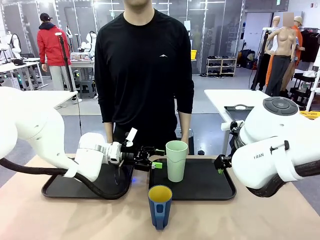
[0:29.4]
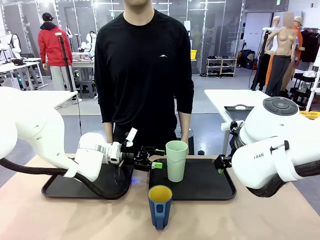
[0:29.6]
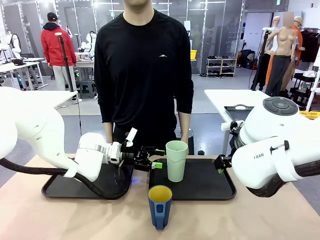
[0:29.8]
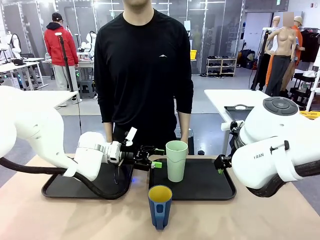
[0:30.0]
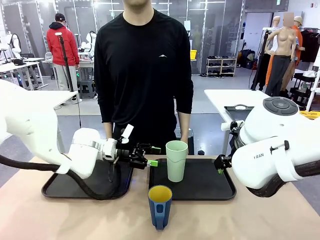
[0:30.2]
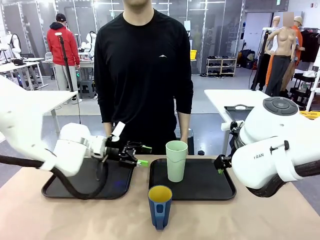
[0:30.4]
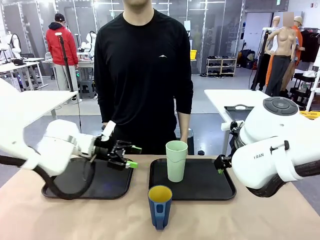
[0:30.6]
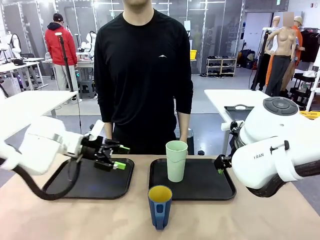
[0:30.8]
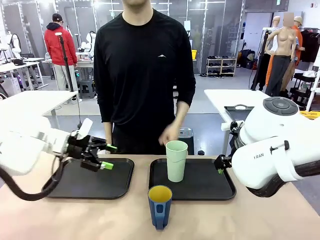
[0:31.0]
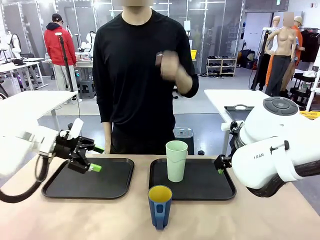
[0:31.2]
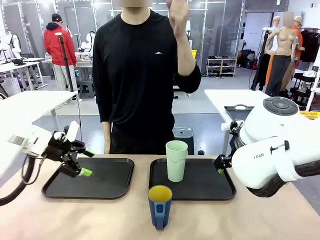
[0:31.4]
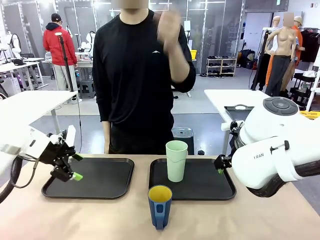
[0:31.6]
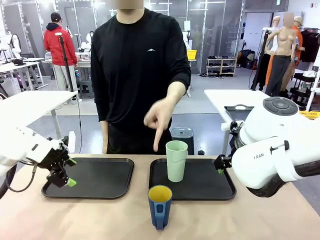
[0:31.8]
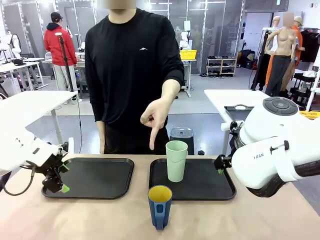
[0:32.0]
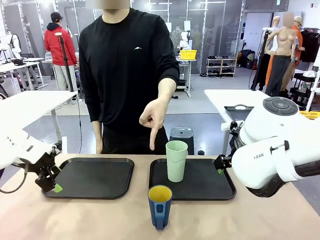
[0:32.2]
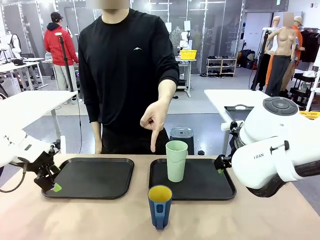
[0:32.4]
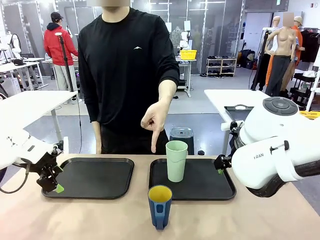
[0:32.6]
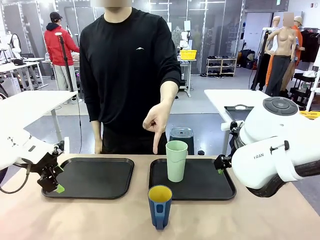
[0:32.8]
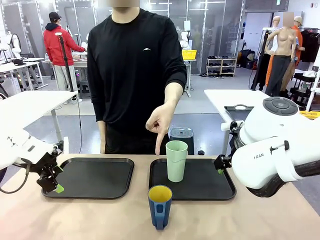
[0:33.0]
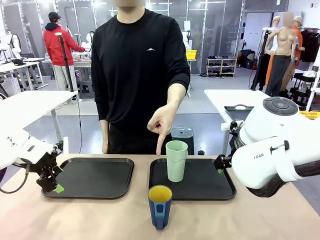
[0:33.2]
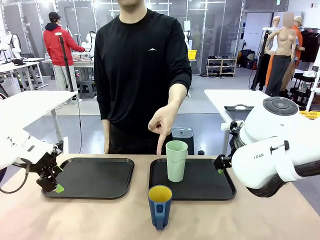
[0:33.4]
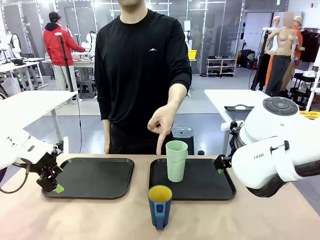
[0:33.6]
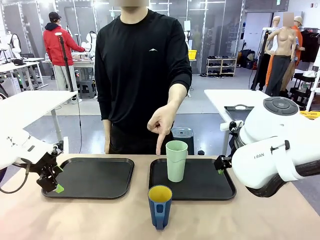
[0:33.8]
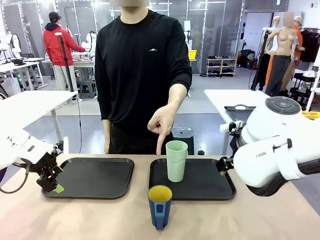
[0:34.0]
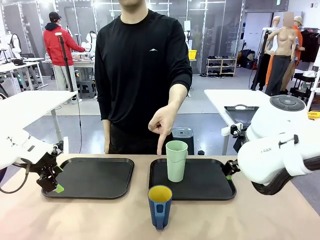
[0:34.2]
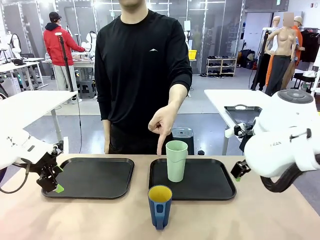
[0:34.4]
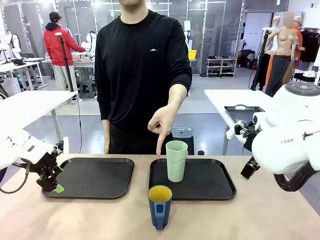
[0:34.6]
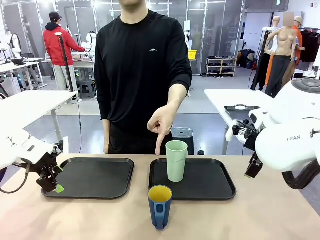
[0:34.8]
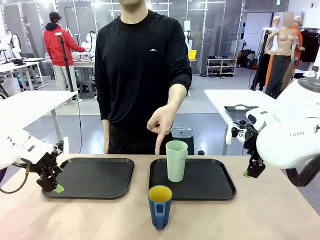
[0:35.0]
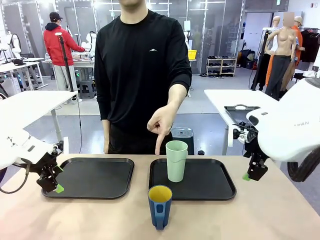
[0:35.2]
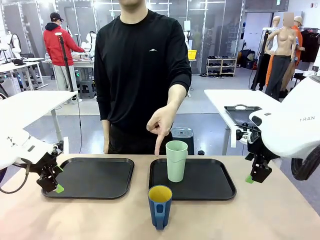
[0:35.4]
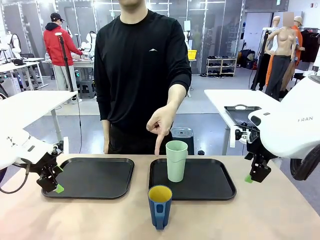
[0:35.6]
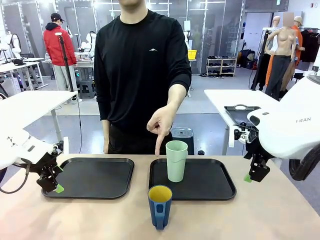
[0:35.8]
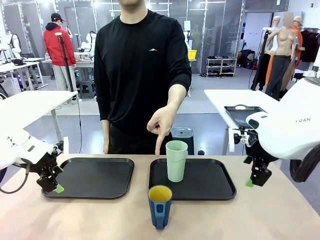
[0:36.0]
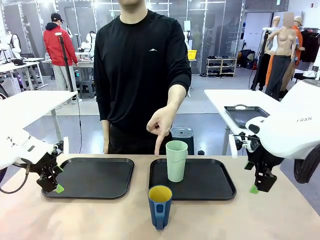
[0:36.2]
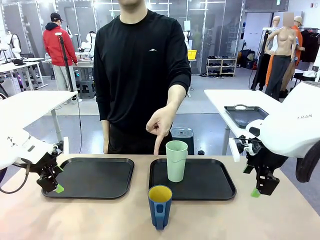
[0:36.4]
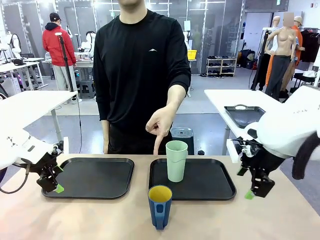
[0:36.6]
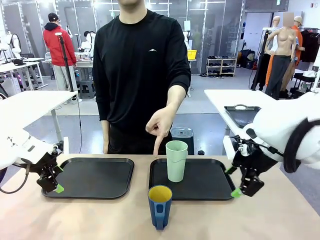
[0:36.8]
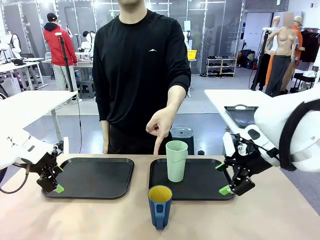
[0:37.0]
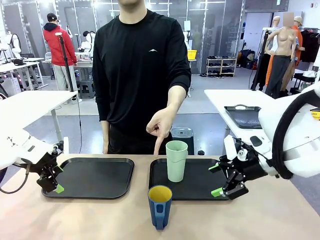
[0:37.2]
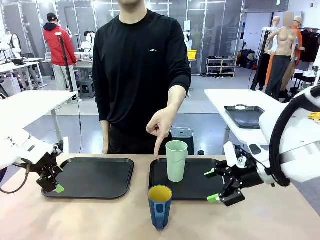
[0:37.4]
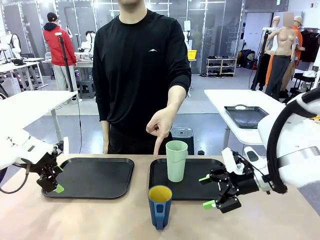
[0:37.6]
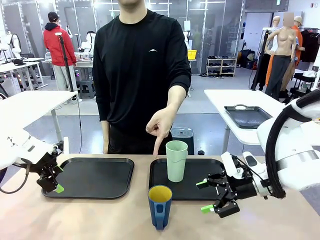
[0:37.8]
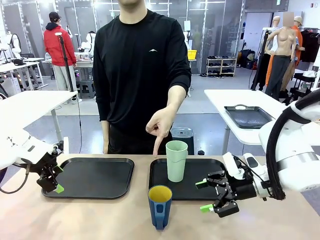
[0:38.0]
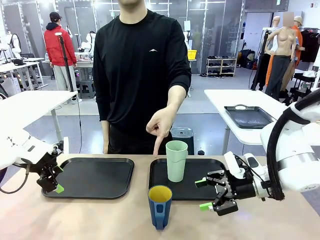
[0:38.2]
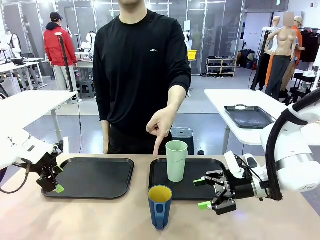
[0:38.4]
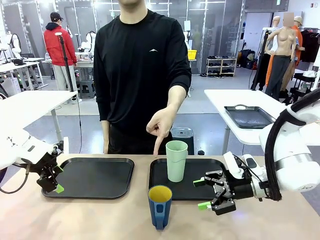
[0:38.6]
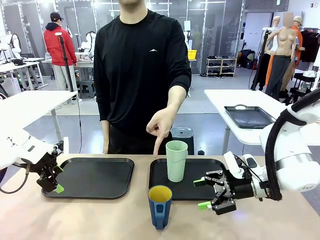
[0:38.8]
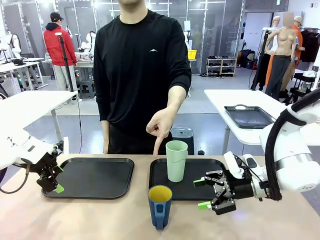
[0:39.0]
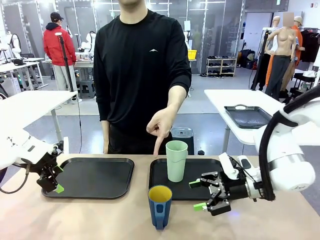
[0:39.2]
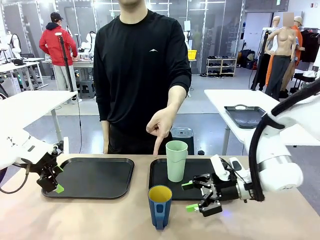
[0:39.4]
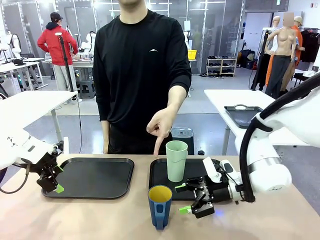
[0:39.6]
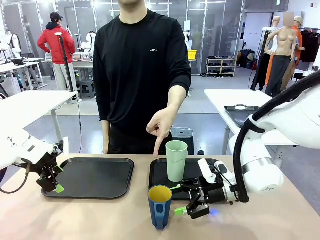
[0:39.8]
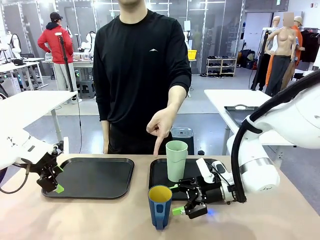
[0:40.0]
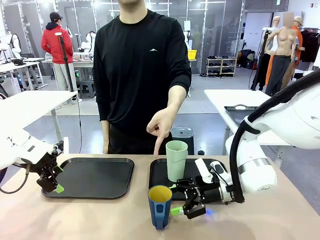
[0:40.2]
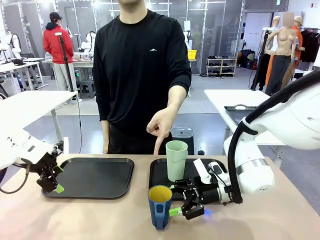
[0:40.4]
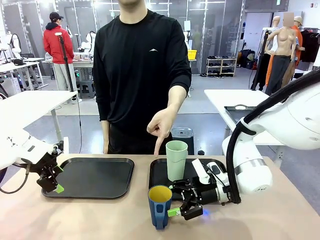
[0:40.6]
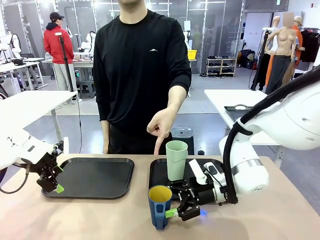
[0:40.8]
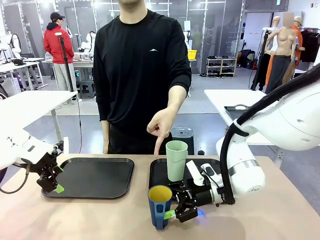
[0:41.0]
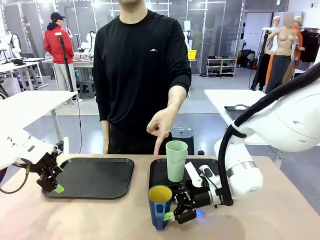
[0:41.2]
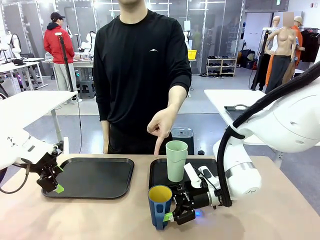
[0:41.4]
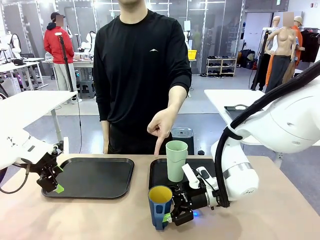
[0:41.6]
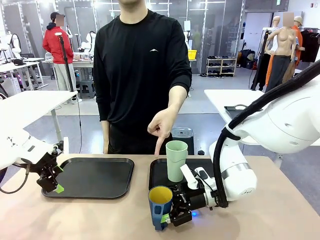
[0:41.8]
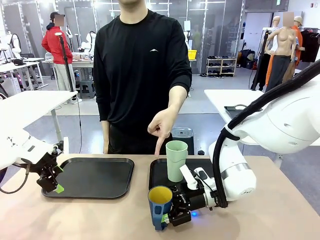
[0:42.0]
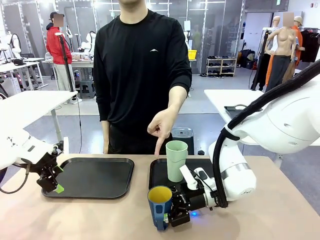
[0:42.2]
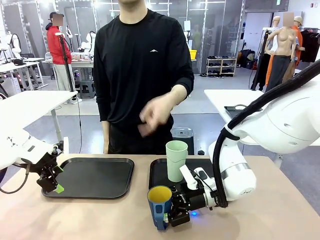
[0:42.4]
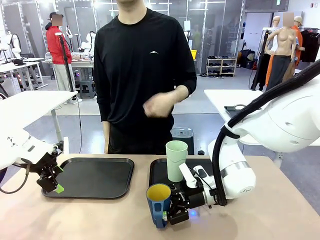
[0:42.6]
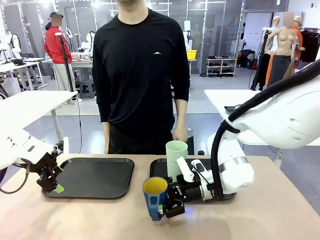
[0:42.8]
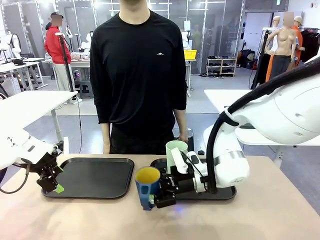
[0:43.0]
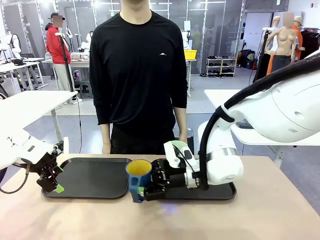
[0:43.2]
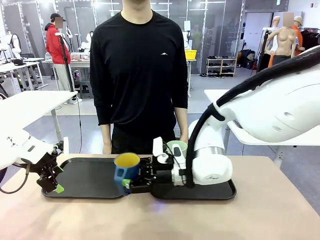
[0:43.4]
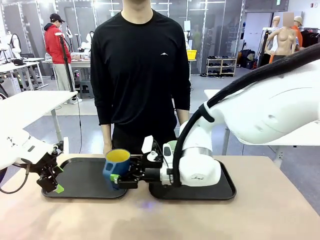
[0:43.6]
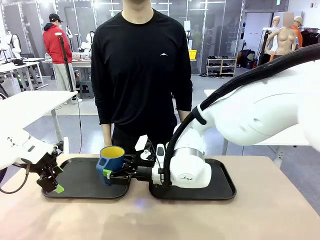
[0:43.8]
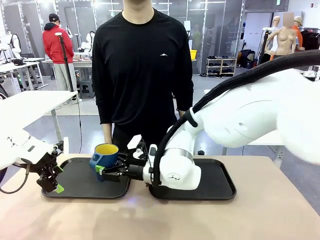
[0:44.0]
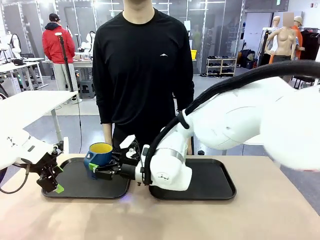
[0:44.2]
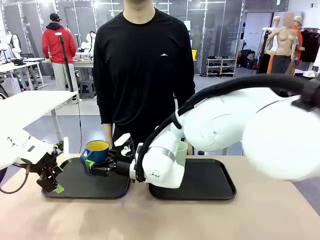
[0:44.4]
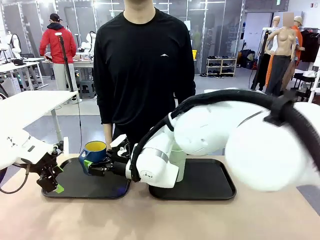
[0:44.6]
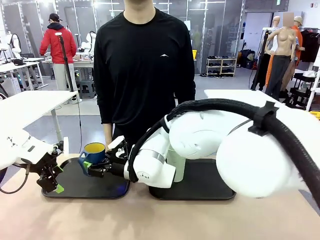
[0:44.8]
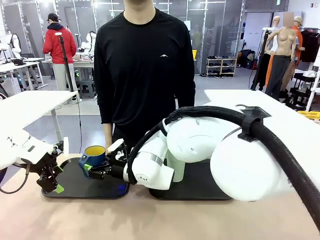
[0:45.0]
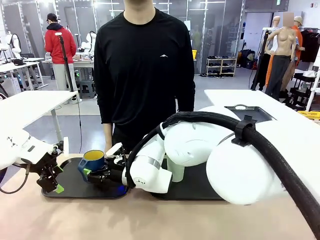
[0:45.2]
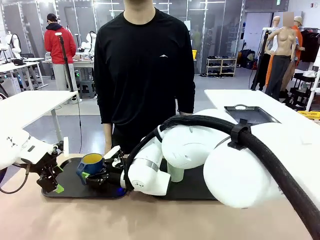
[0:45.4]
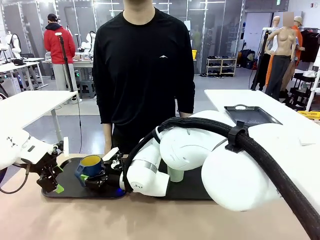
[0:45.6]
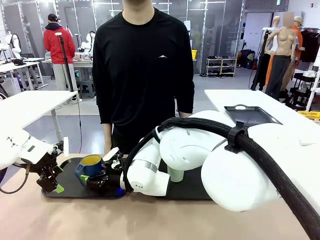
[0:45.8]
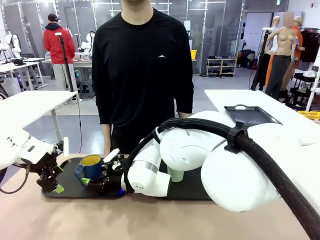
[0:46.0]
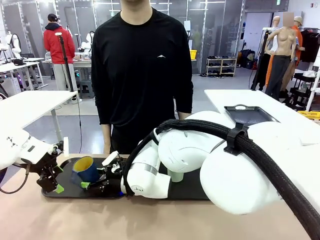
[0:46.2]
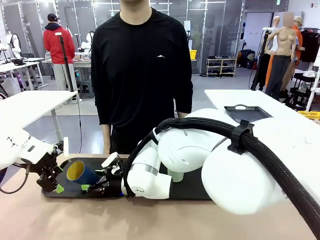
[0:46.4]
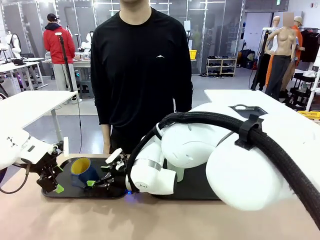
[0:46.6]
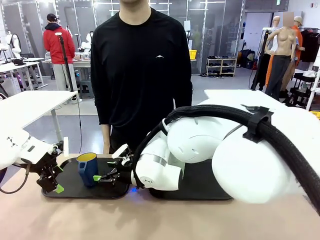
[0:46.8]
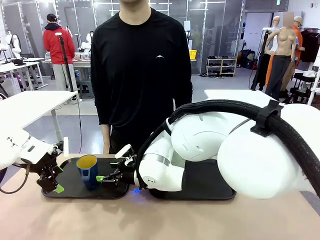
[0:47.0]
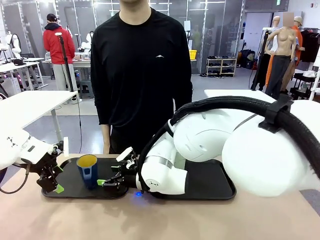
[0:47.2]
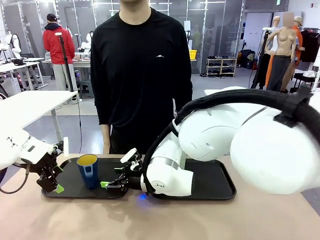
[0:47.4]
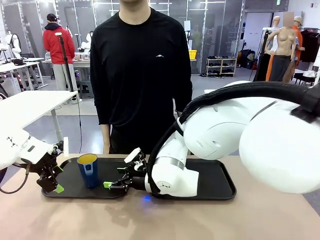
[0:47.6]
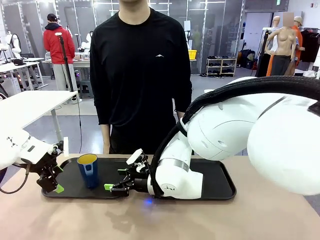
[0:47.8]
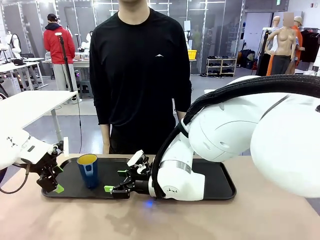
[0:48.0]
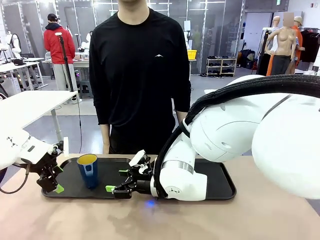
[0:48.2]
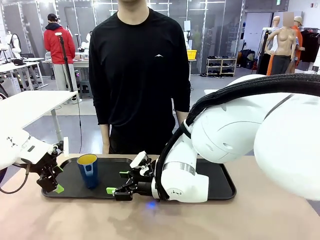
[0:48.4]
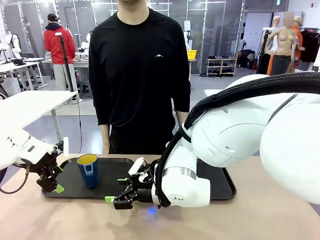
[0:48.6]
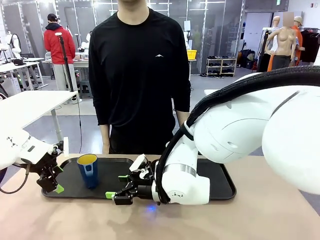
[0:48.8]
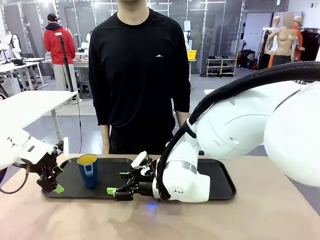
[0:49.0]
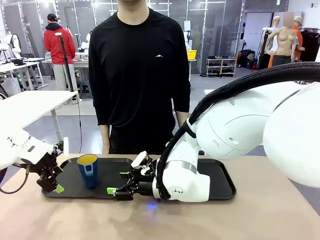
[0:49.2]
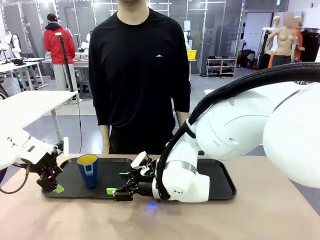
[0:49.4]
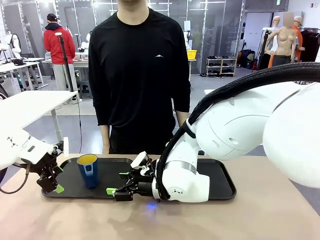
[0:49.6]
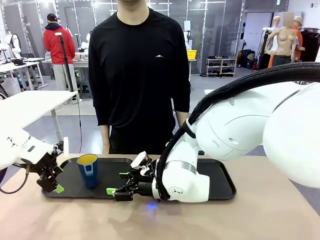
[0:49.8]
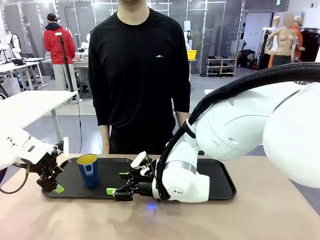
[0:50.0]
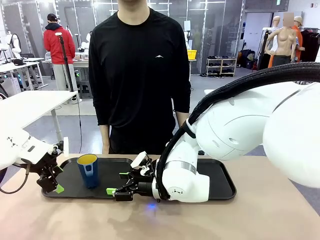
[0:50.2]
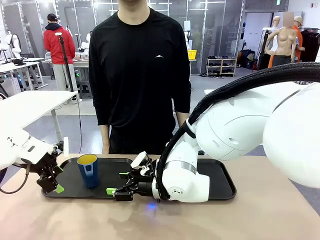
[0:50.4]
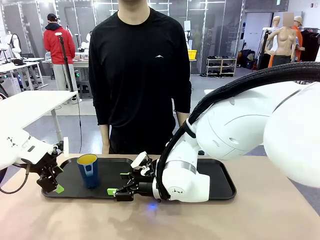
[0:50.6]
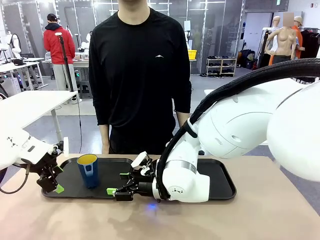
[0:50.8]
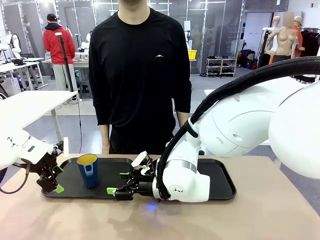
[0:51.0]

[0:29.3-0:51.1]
Task: Sort and store the cups by type.
Robot: Pick up the Handle plastic cup and place it into the empty Flat Tray.
Person: Points to the cup with a handle.
